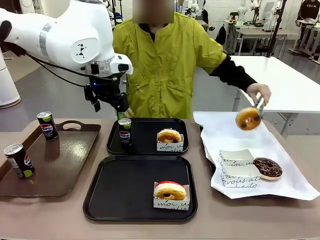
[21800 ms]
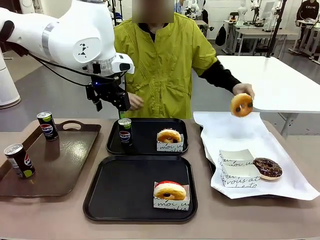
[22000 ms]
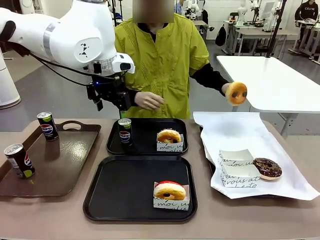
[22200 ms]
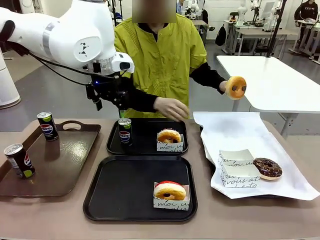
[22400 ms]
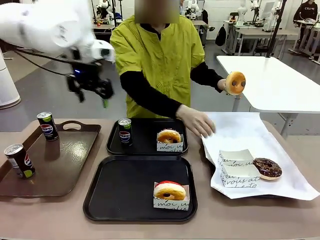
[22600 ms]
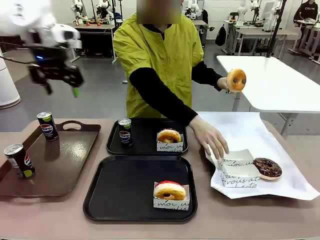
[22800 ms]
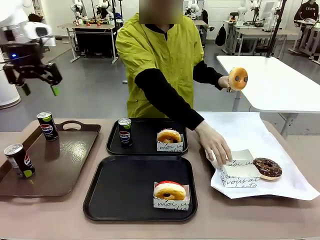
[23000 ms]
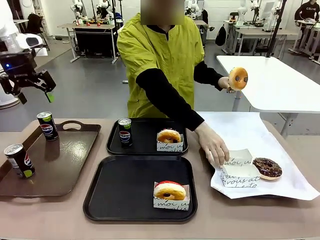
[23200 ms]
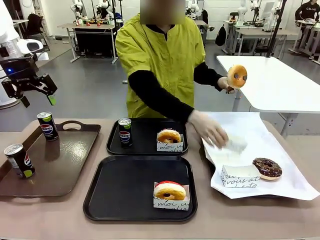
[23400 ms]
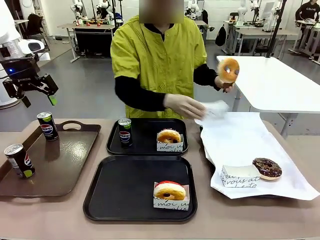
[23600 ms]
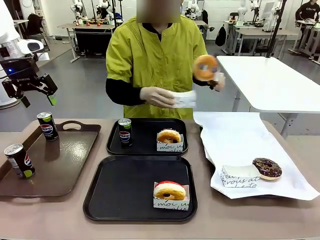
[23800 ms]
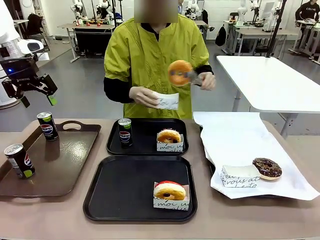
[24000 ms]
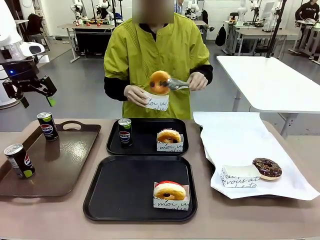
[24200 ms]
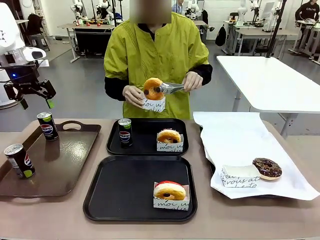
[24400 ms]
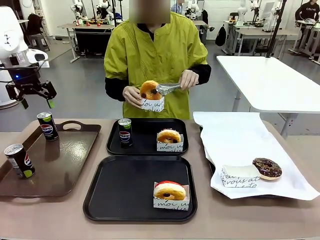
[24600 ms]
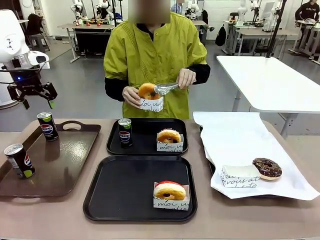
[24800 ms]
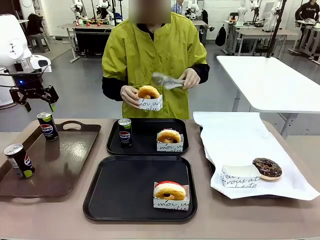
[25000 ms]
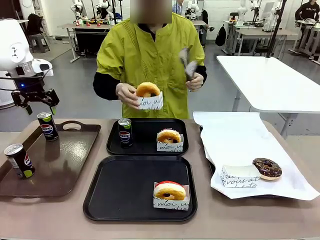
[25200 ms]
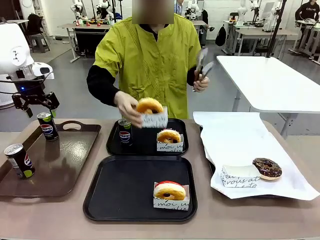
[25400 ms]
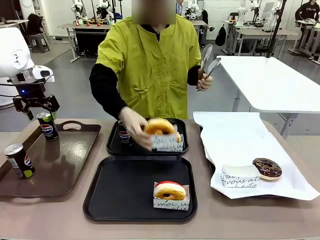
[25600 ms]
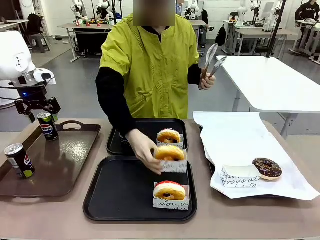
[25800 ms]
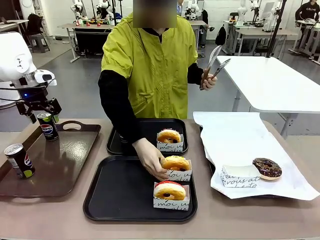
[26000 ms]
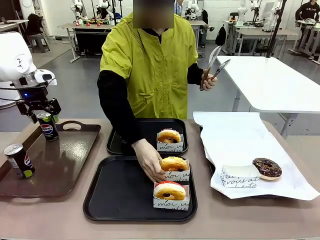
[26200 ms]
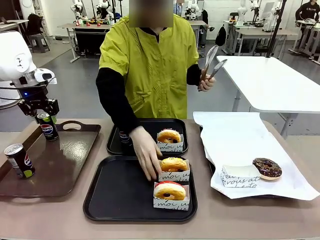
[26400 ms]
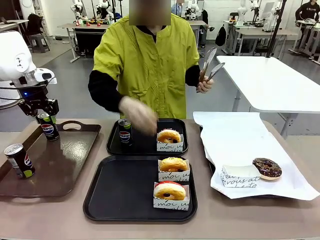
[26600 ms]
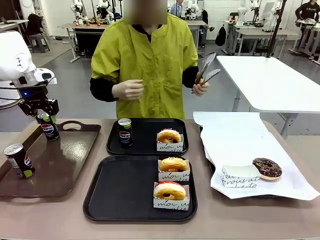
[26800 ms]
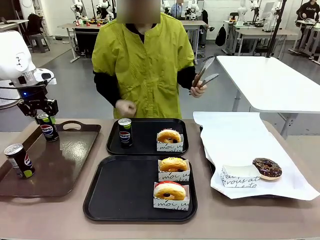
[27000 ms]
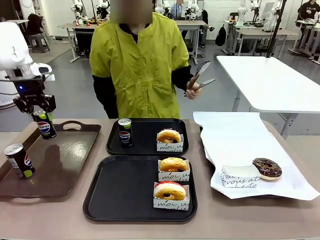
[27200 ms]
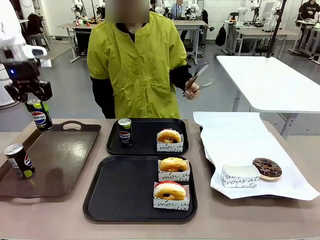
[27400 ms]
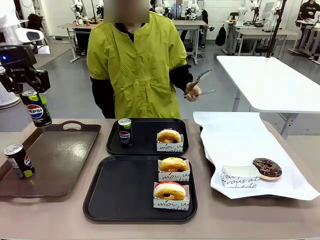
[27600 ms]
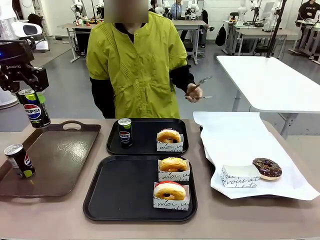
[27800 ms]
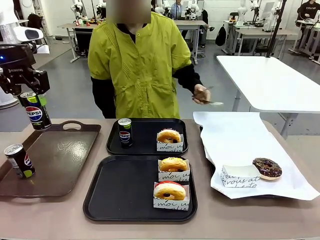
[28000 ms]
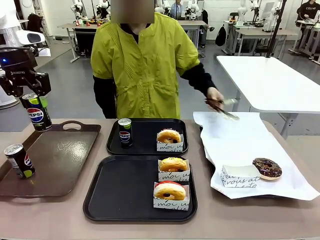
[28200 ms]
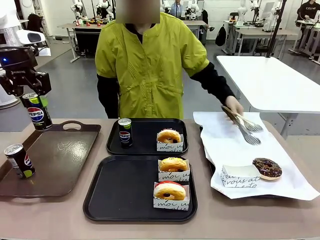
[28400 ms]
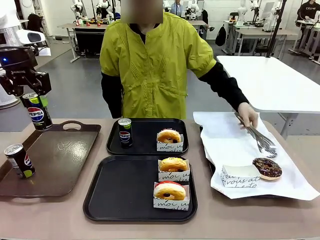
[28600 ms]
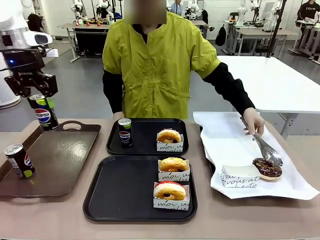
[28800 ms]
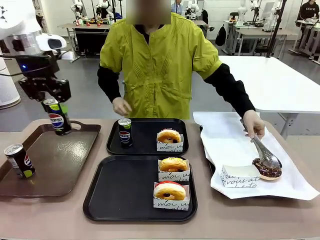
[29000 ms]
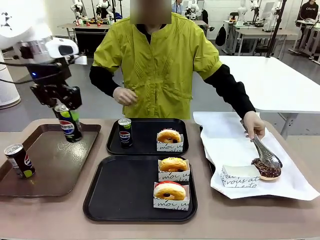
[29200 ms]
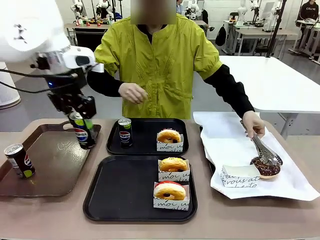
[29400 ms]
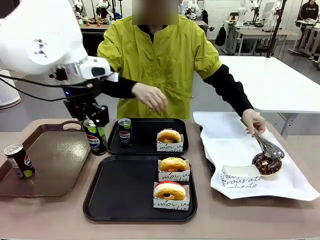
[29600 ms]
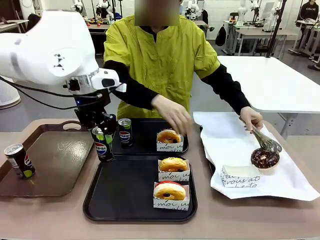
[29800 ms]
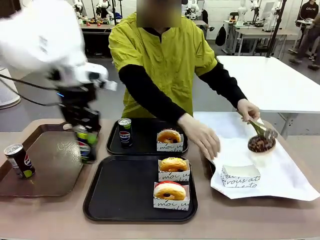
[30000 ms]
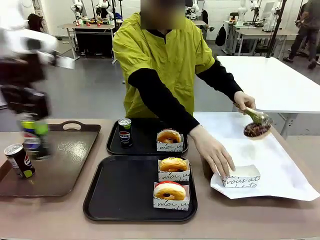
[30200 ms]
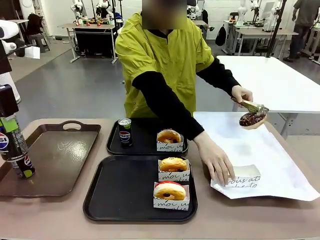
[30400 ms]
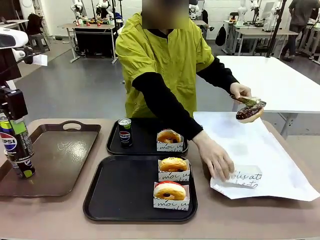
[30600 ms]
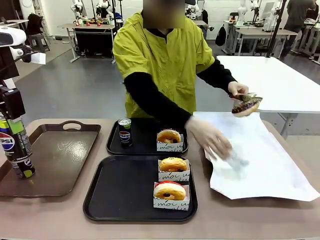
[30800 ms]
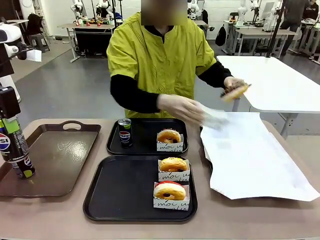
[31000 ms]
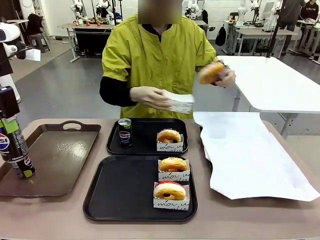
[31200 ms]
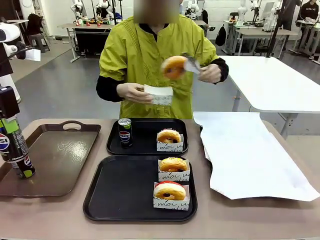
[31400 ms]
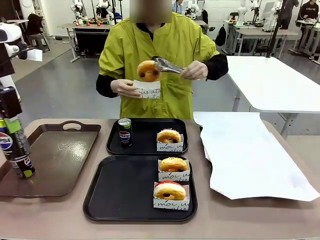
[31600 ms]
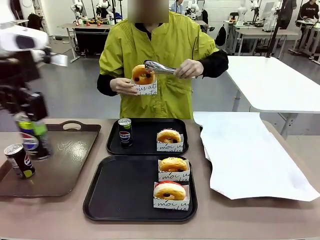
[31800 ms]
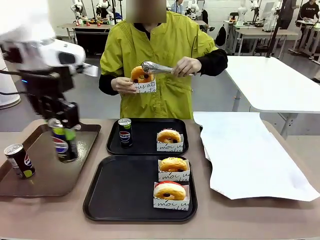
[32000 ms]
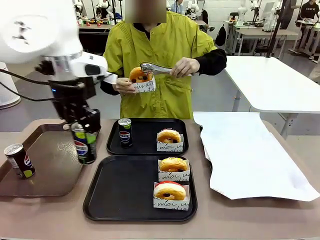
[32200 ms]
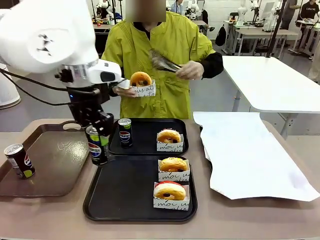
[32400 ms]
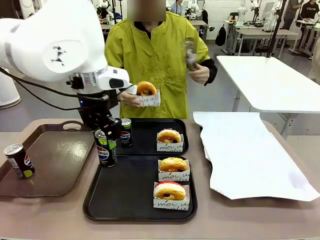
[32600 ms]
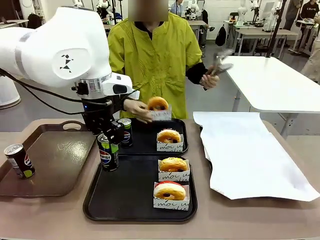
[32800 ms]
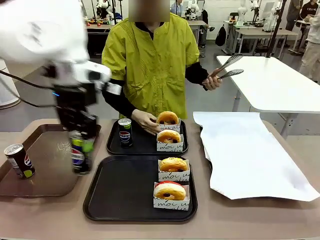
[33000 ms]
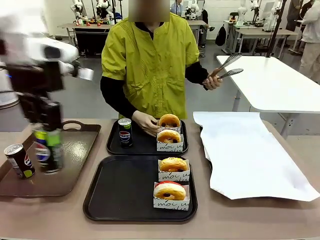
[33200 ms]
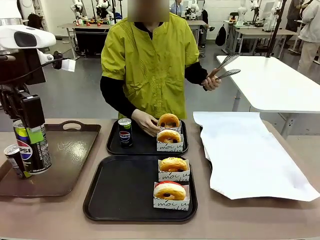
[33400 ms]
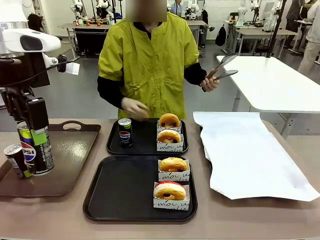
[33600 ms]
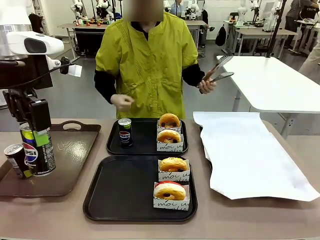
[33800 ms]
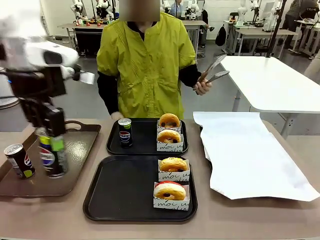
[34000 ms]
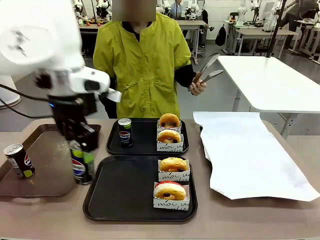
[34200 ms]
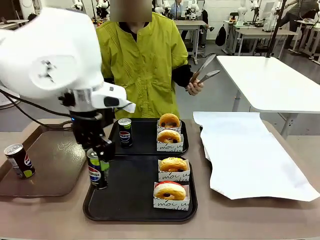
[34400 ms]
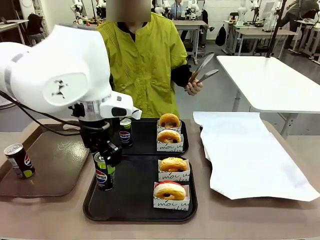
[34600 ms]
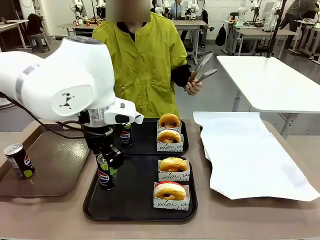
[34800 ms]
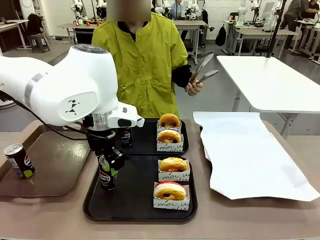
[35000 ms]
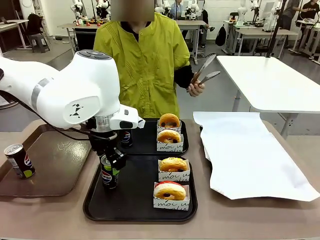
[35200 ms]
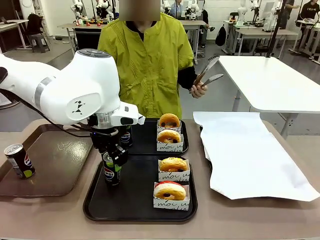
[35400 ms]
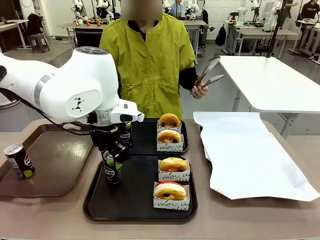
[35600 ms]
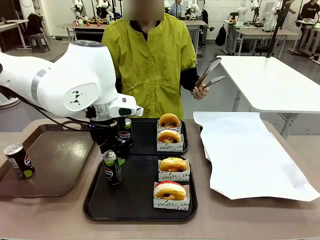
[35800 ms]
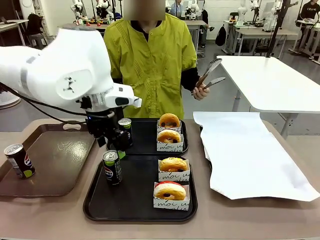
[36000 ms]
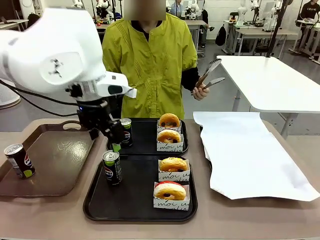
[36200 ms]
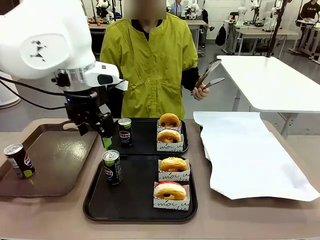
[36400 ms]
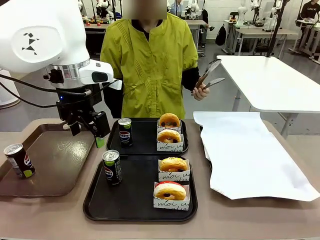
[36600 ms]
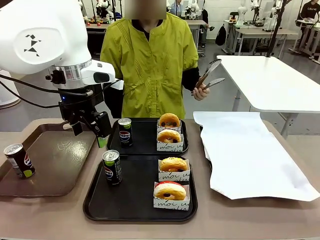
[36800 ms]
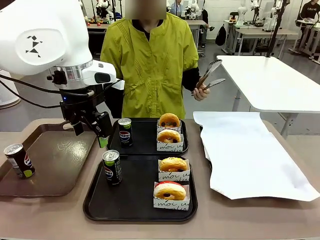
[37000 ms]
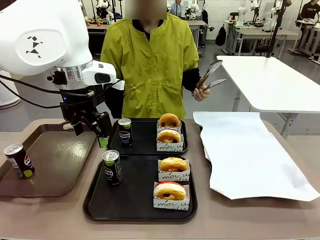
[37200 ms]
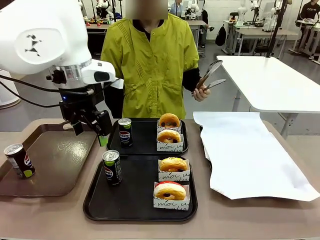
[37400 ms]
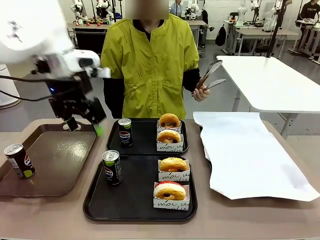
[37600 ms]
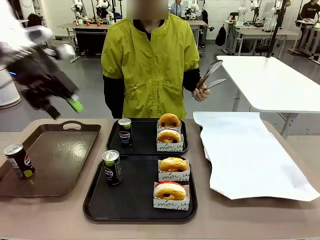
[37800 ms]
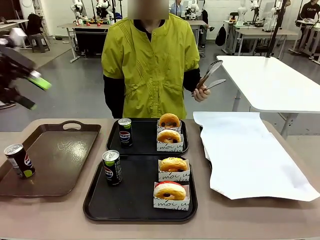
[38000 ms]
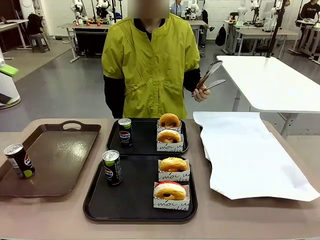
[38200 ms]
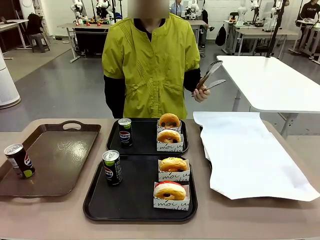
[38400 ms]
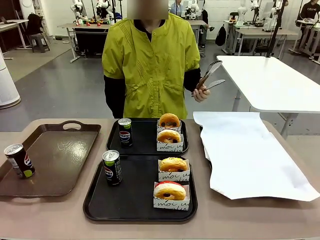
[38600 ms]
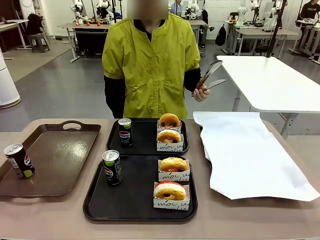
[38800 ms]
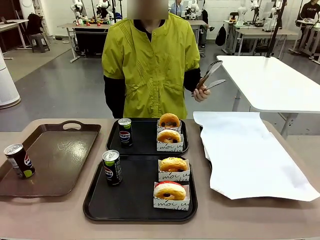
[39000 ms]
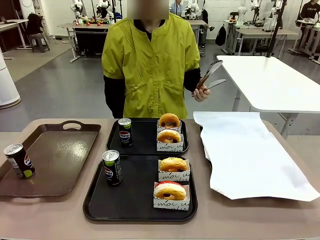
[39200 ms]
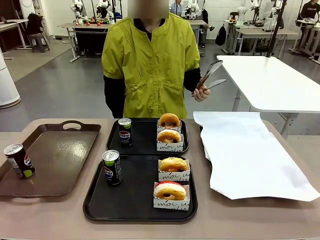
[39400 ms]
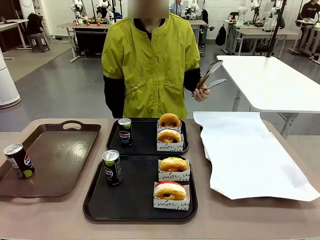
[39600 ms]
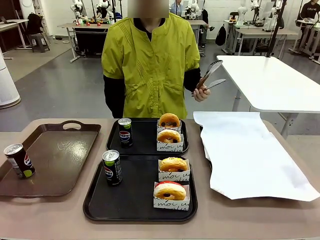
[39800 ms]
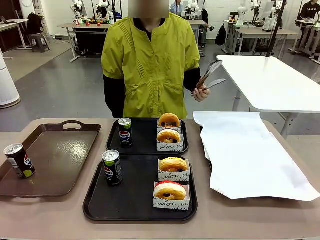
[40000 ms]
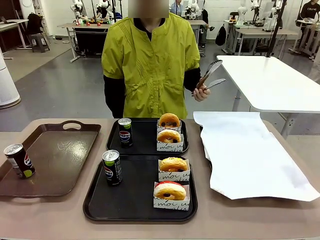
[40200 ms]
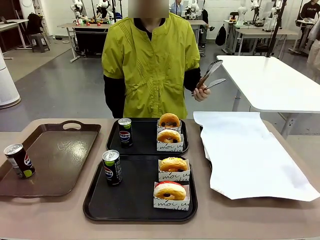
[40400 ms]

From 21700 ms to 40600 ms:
Task: Set up donuts and drinks on trays.
Robot: Pick up one Pepsi coke from the Handle tray and place it on the Flat Tray without a Pepsi coke.
